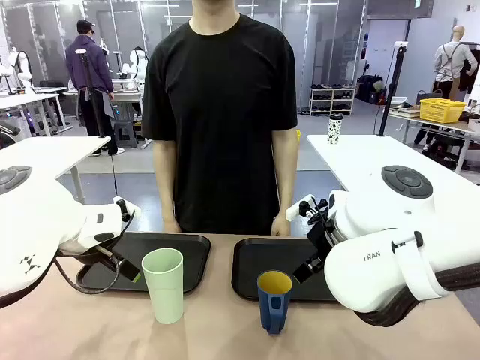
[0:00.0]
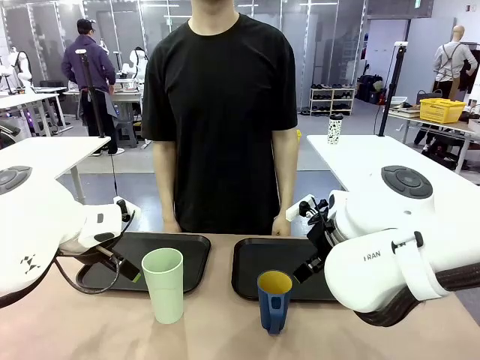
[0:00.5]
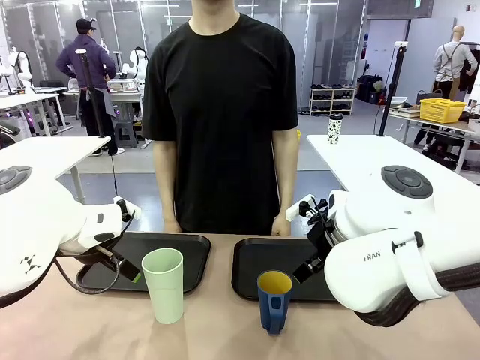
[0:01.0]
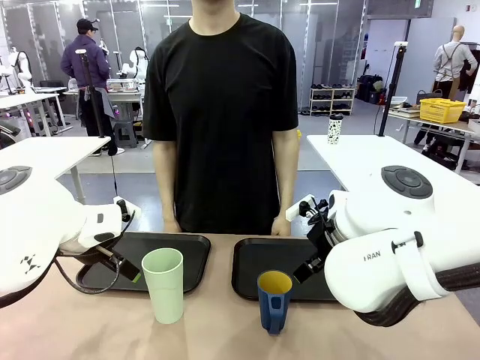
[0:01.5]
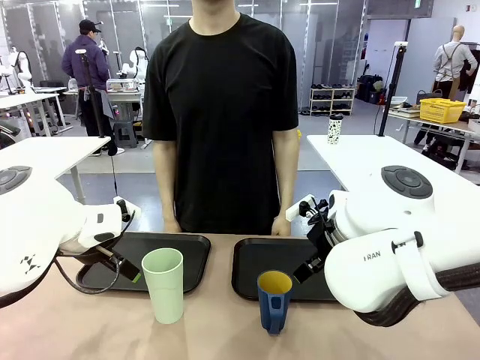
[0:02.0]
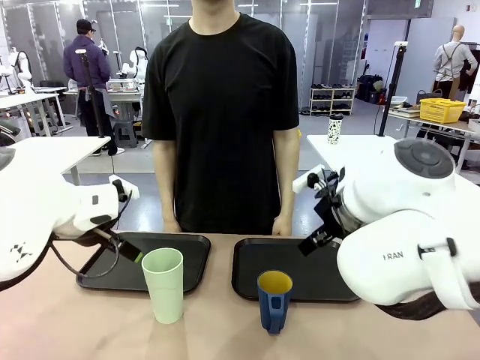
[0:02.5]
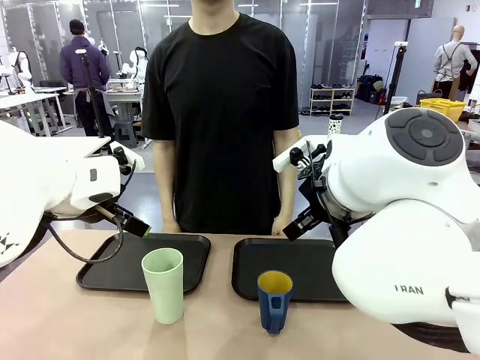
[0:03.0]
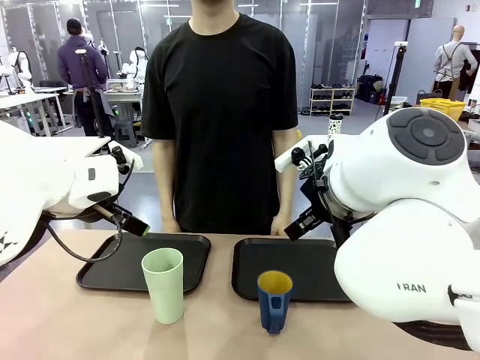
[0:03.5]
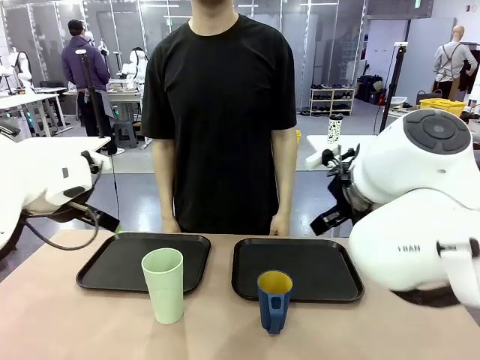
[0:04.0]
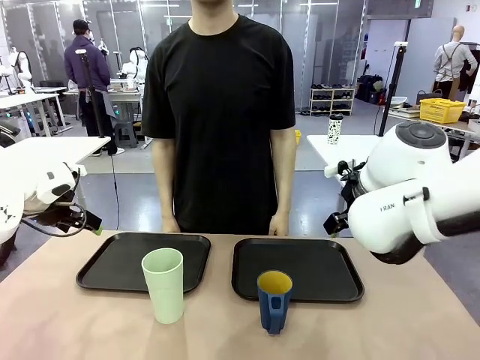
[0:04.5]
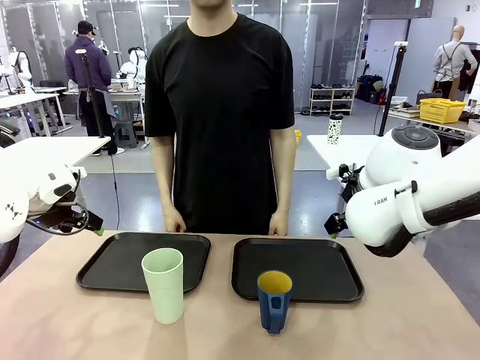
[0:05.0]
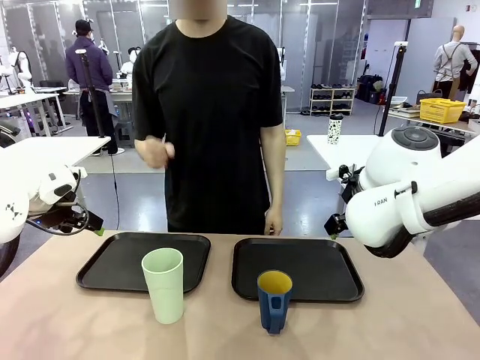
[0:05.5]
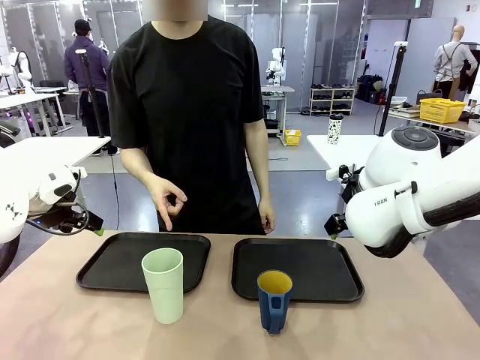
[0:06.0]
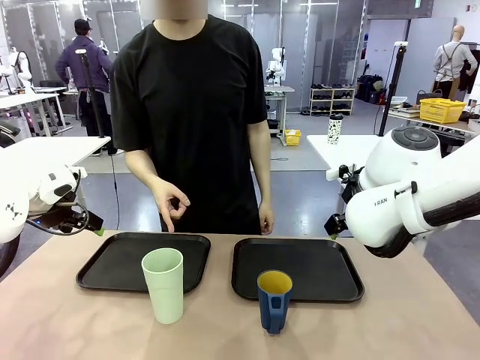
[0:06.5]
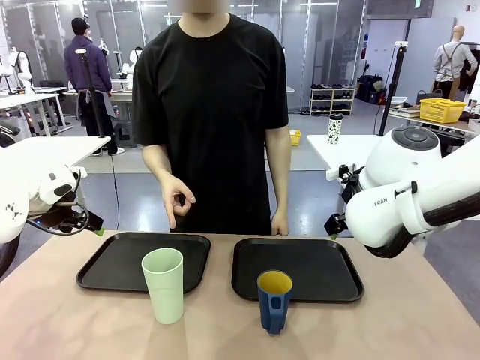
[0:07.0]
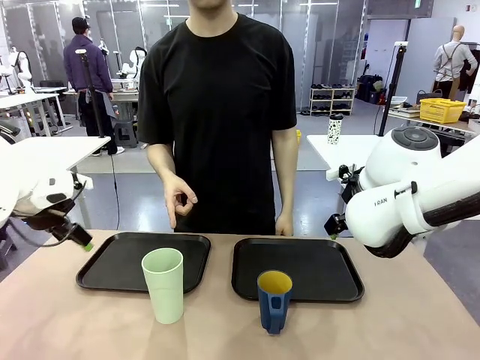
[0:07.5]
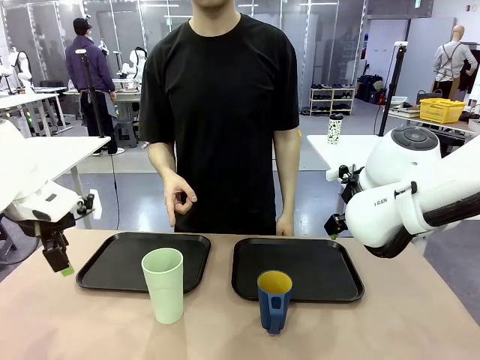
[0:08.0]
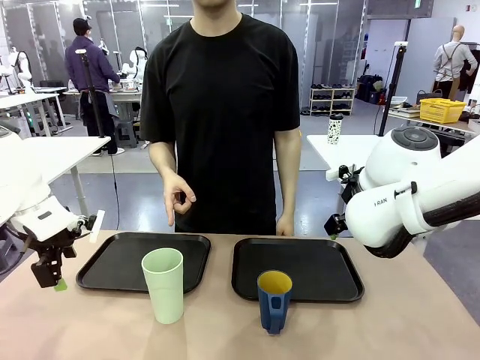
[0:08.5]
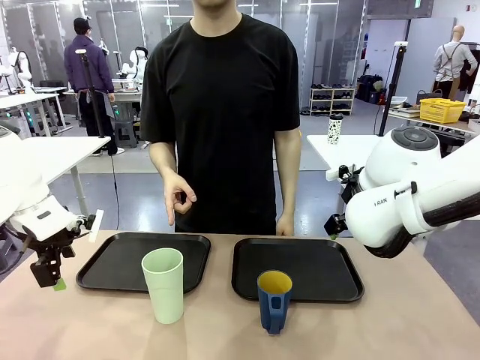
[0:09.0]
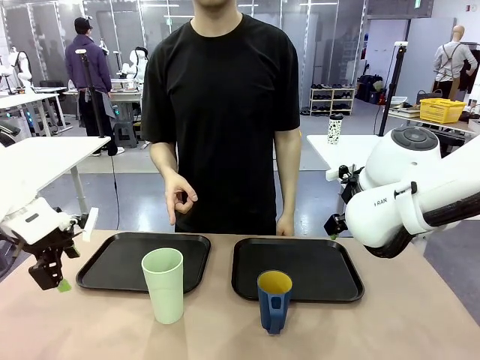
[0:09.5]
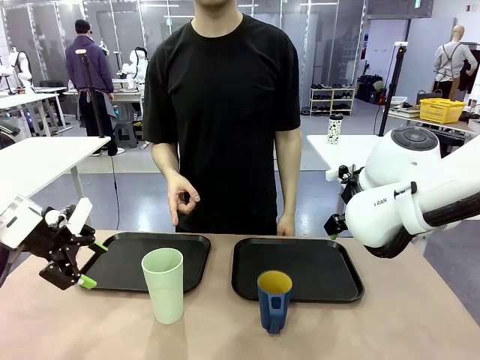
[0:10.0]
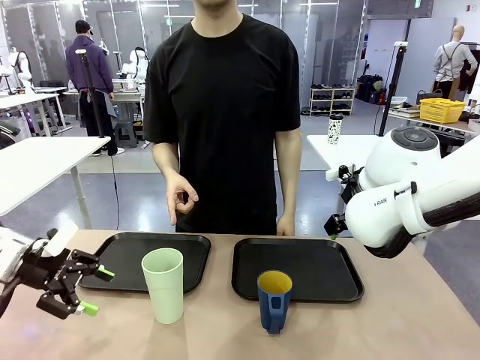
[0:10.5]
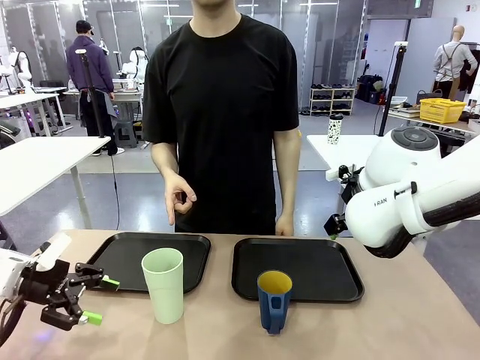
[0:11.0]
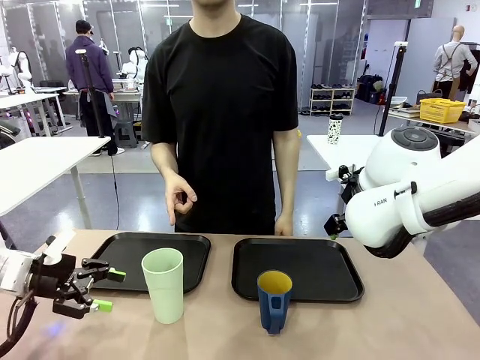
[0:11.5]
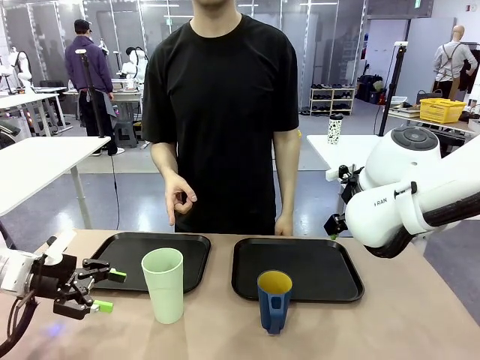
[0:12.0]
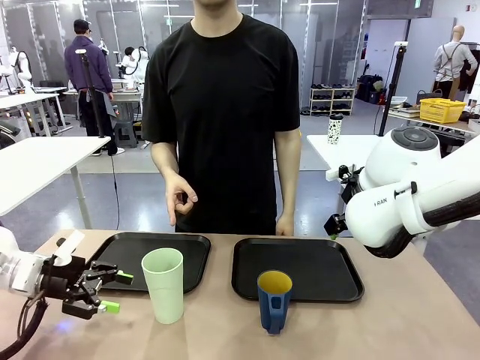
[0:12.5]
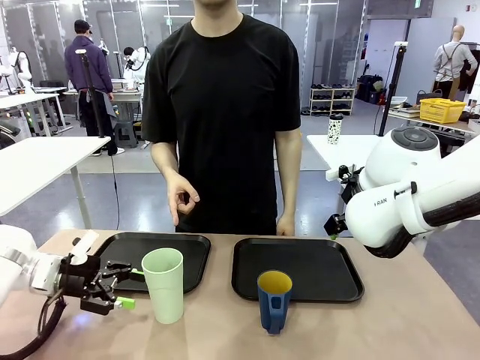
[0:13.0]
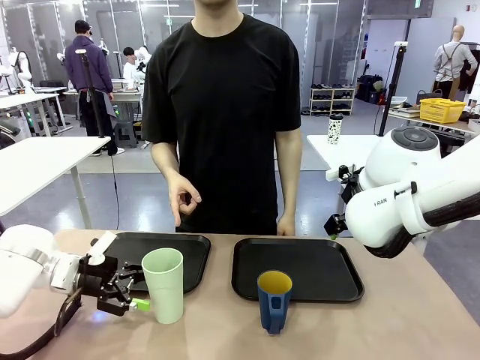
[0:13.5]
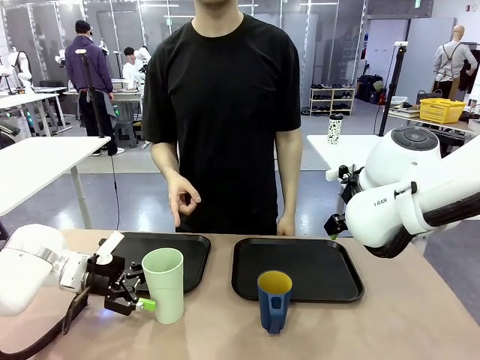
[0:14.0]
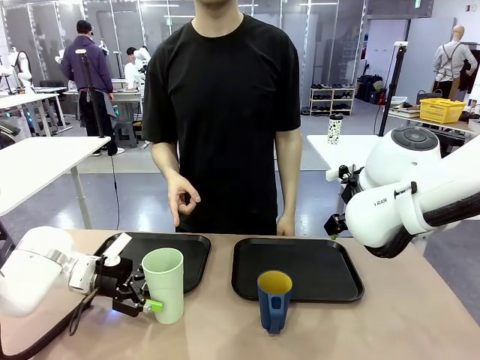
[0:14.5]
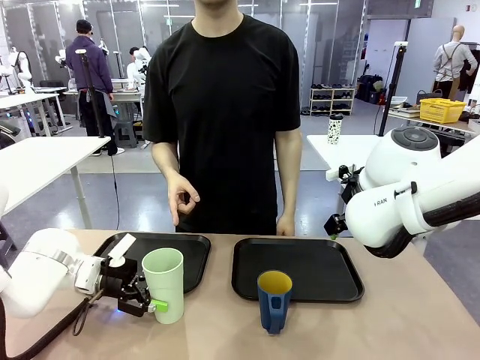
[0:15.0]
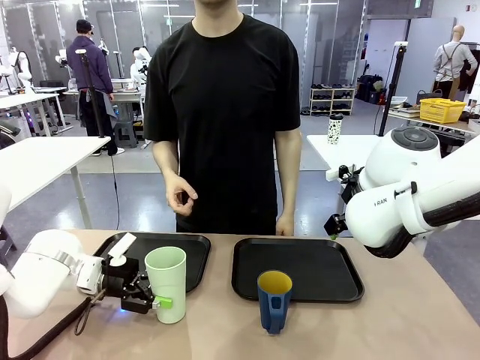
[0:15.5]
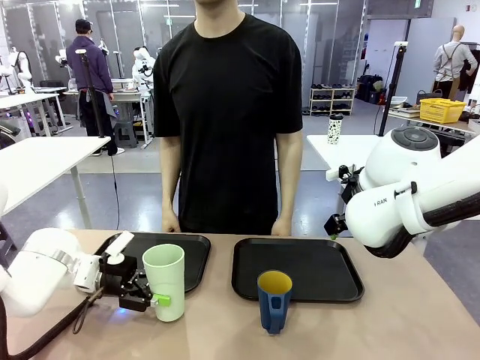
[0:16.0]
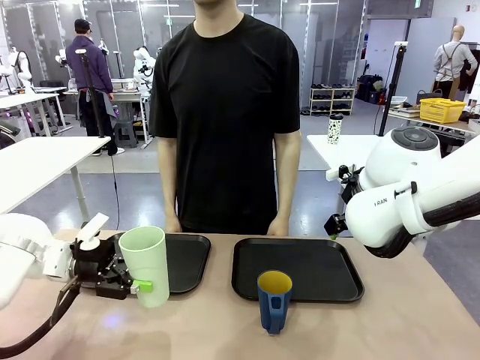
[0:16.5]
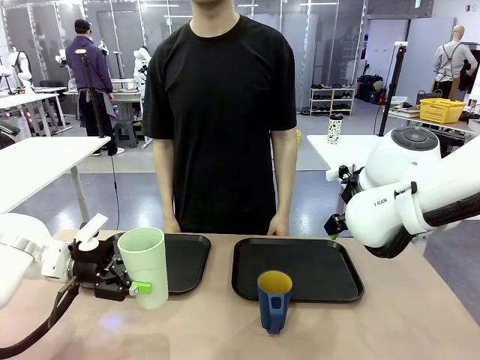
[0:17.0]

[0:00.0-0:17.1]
Task: Sort and store the cups by type.
Robot: Pick up the Reusable plastic cup.
Person: Points to the reusable cup. Point to one of the two trays.

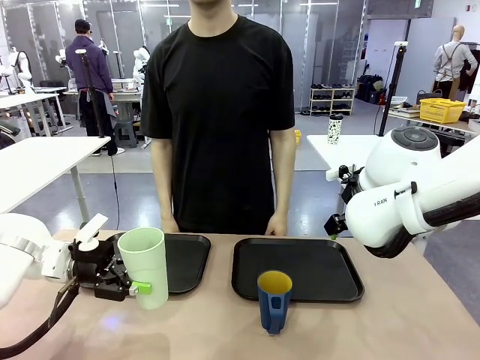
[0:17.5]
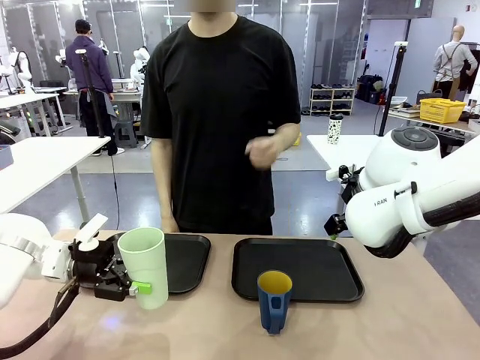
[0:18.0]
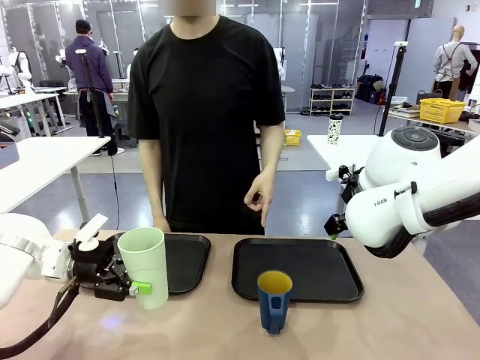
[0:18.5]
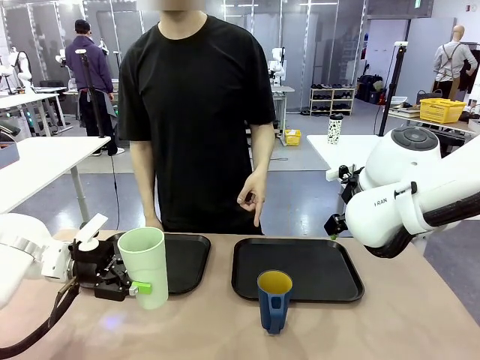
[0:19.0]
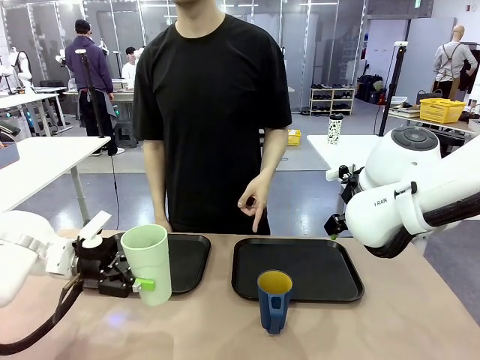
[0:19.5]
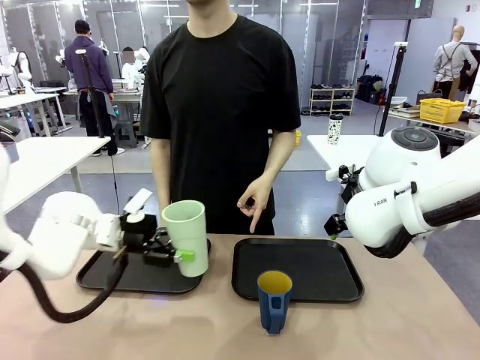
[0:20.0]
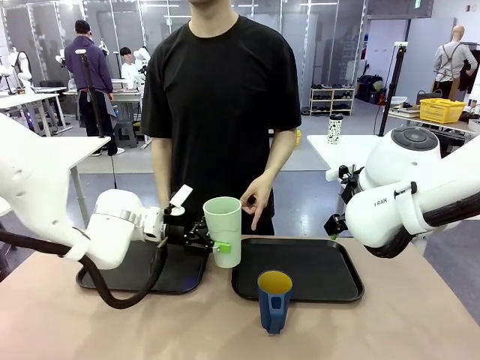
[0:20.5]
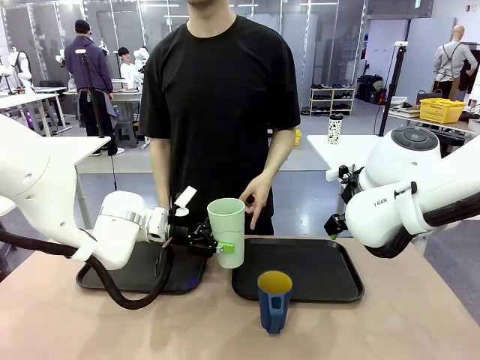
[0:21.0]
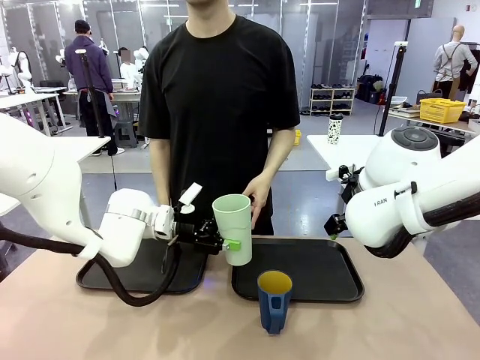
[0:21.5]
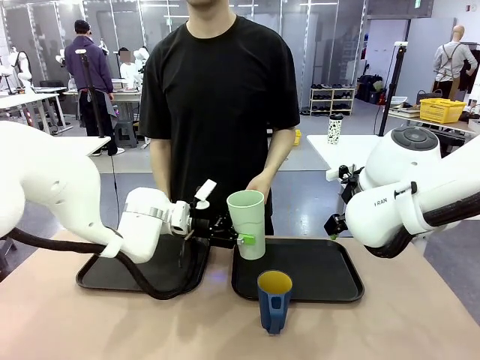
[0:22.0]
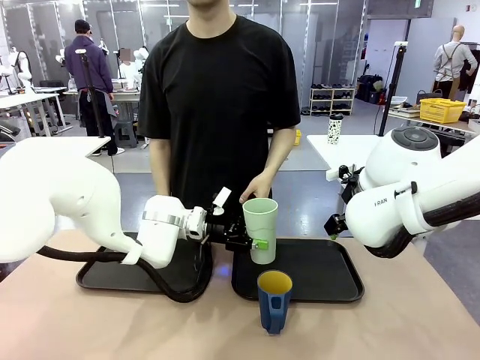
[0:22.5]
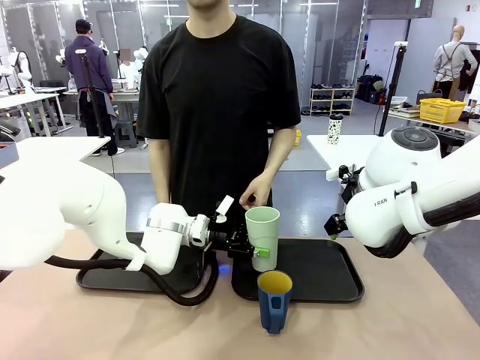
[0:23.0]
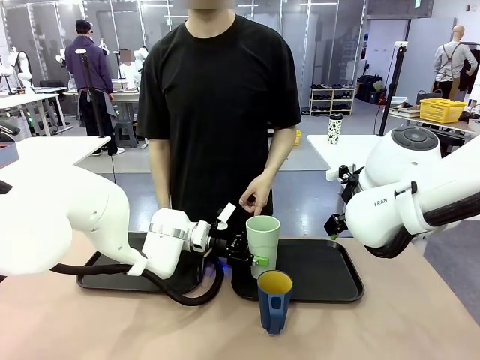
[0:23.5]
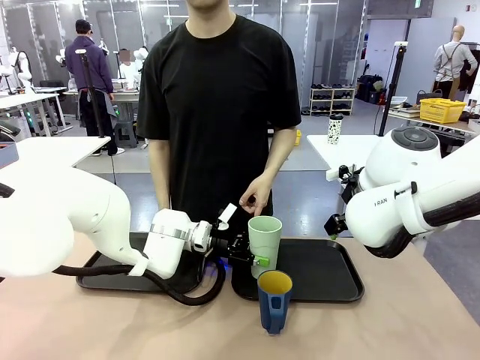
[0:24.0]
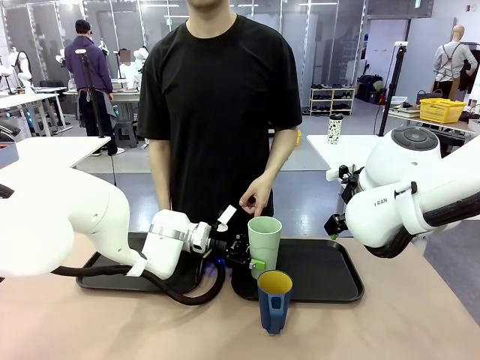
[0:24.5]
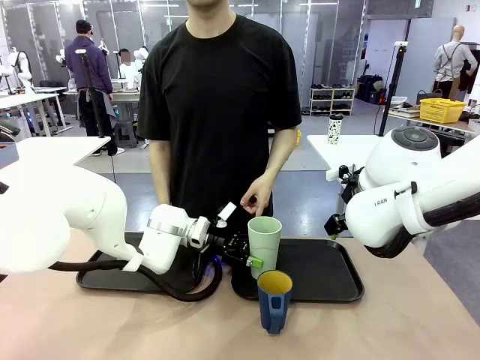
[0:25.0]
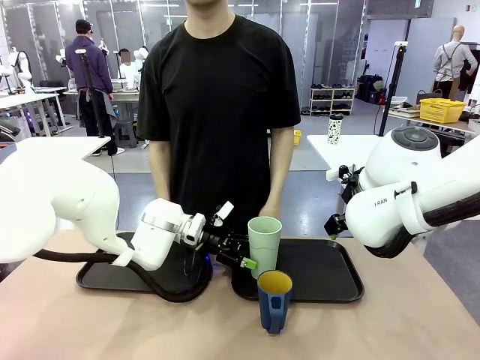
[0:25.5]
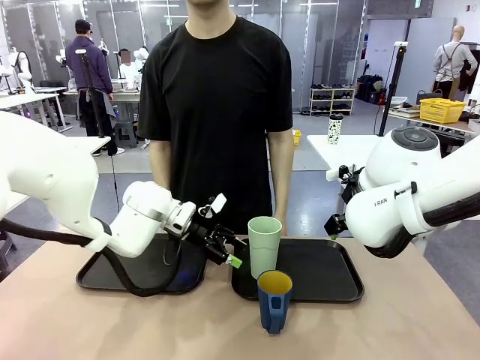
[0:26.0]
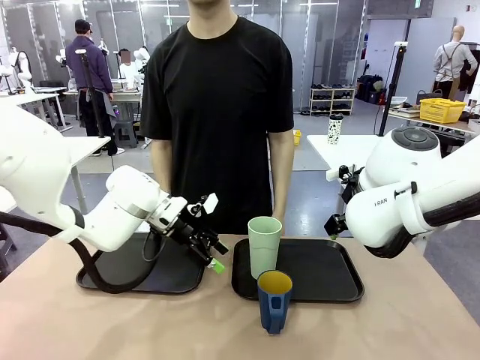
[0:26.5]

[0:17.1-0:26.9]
Robot: Place the picked Reusable plastic cup into the Flat Tray indicated by the person.
